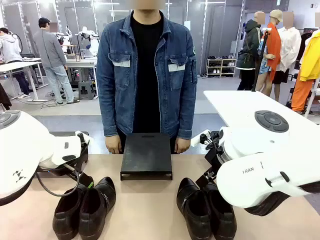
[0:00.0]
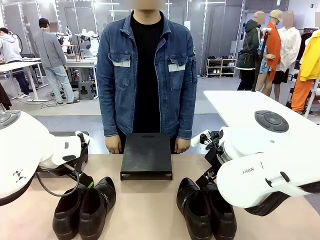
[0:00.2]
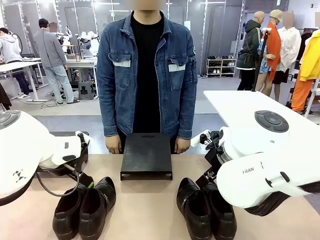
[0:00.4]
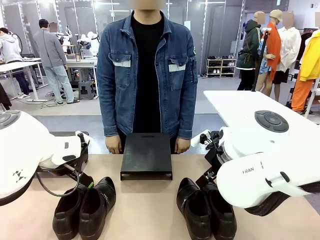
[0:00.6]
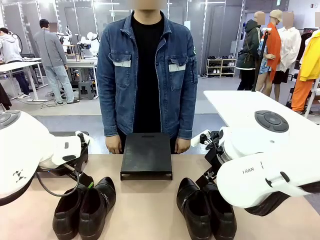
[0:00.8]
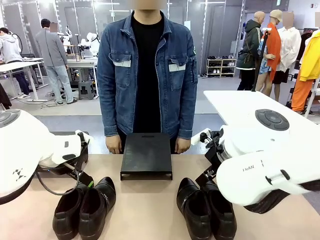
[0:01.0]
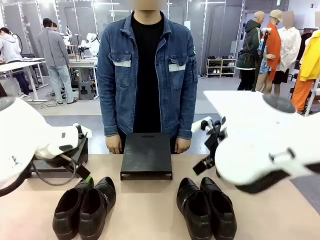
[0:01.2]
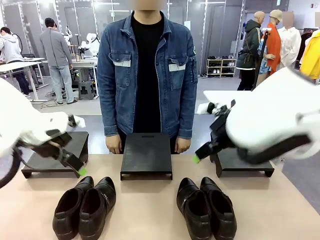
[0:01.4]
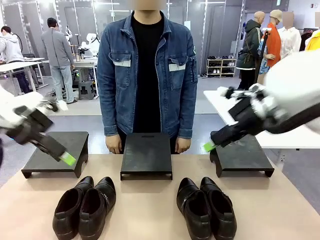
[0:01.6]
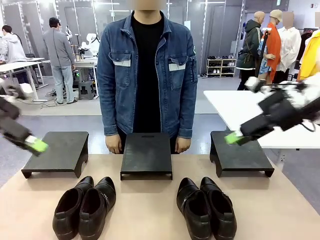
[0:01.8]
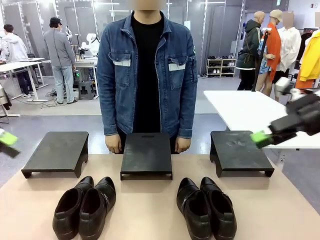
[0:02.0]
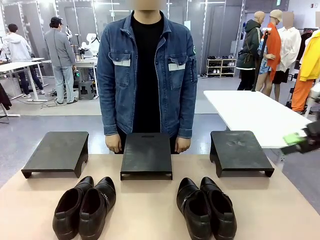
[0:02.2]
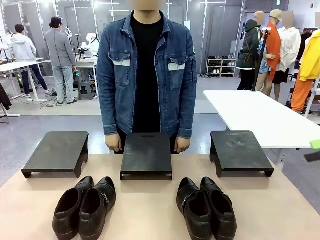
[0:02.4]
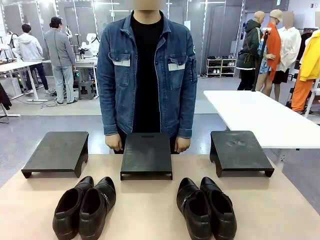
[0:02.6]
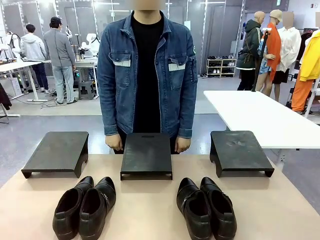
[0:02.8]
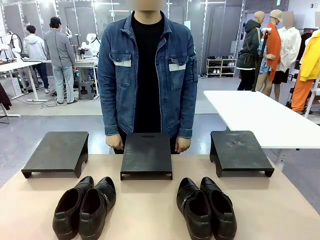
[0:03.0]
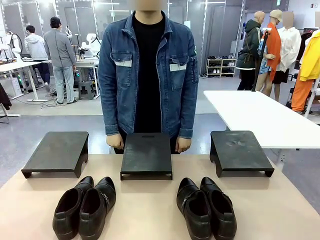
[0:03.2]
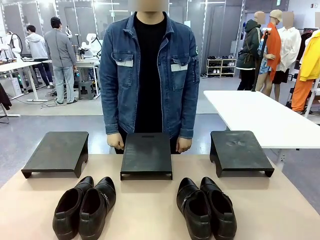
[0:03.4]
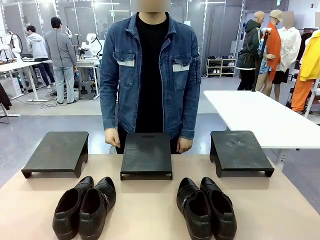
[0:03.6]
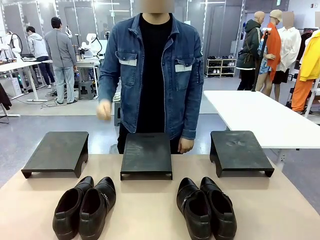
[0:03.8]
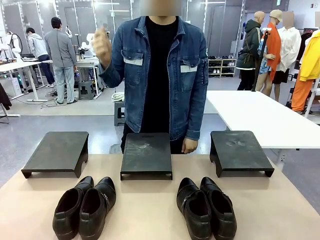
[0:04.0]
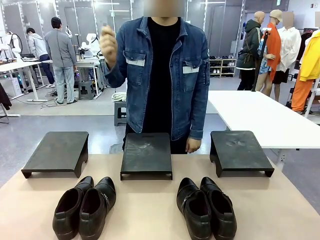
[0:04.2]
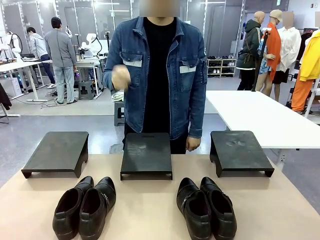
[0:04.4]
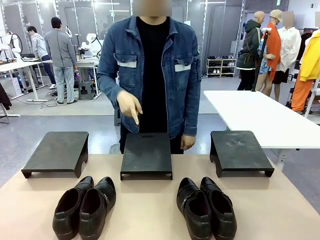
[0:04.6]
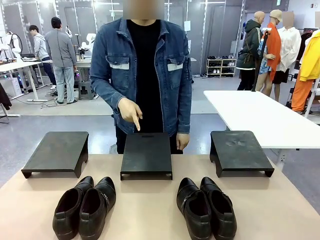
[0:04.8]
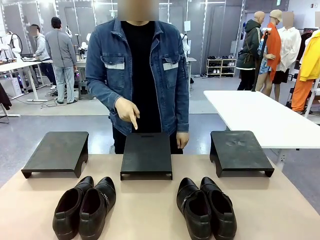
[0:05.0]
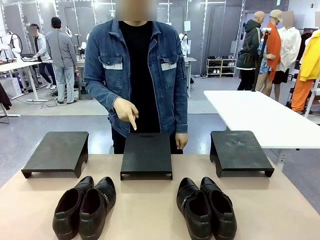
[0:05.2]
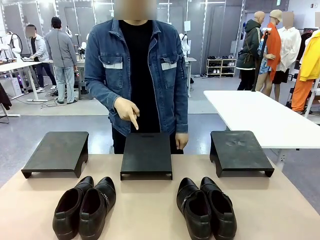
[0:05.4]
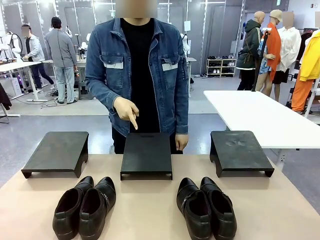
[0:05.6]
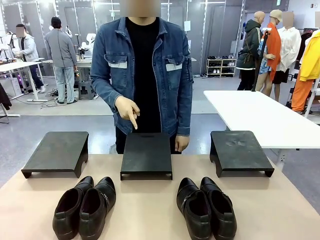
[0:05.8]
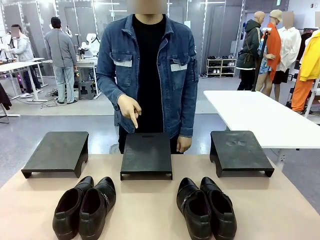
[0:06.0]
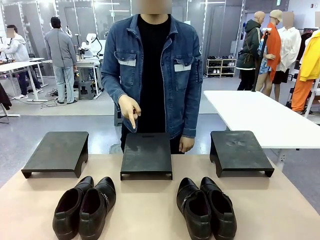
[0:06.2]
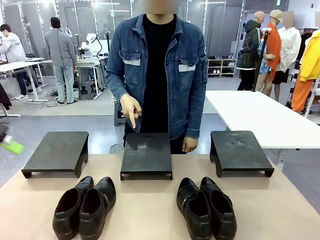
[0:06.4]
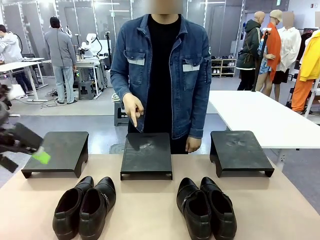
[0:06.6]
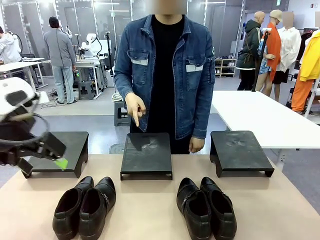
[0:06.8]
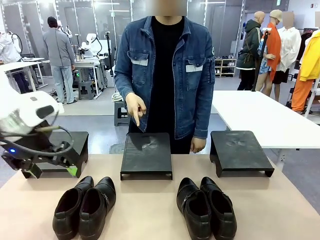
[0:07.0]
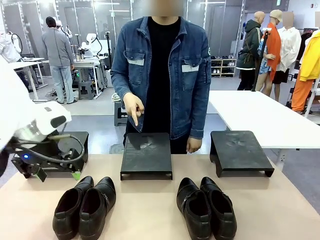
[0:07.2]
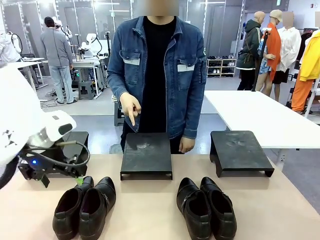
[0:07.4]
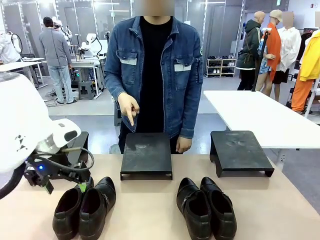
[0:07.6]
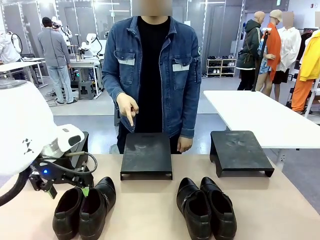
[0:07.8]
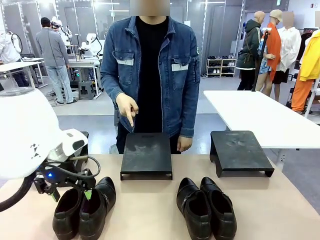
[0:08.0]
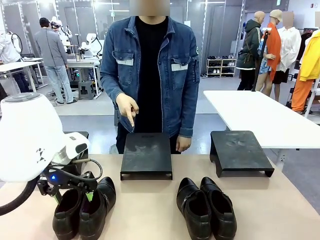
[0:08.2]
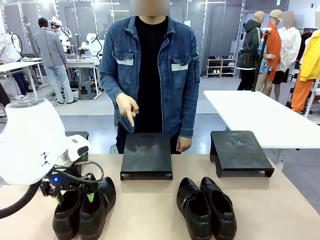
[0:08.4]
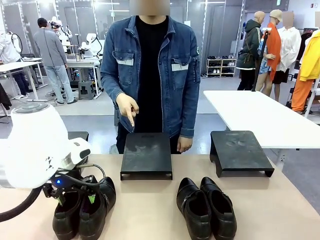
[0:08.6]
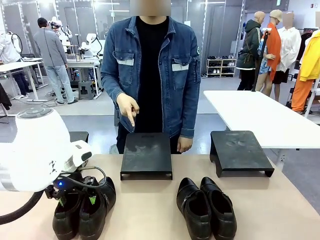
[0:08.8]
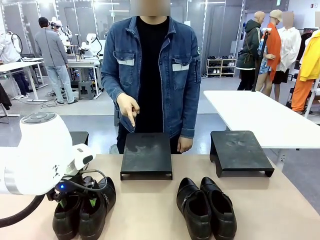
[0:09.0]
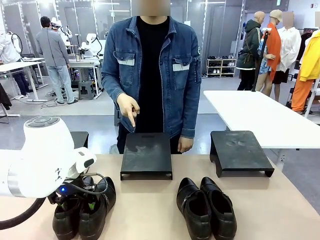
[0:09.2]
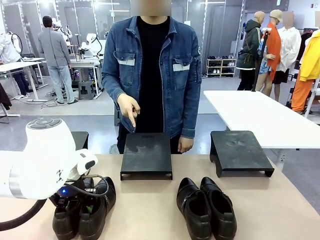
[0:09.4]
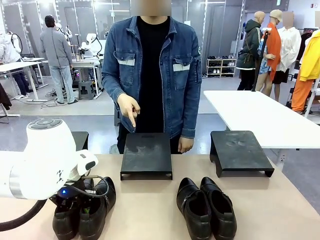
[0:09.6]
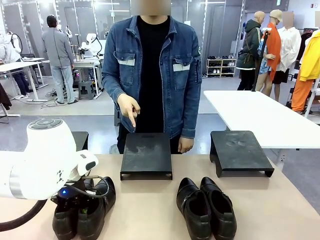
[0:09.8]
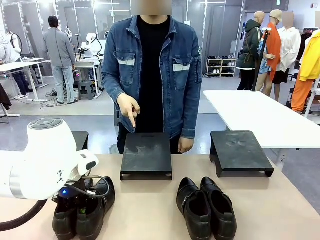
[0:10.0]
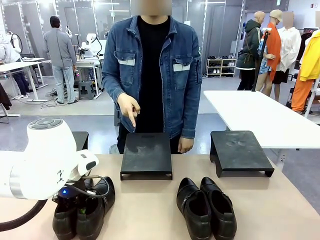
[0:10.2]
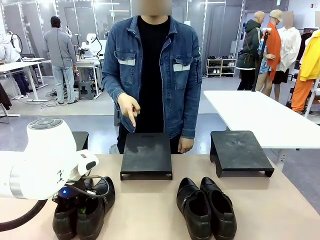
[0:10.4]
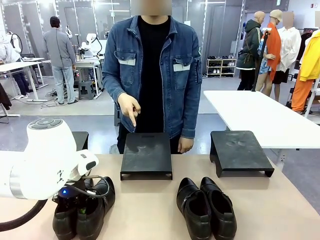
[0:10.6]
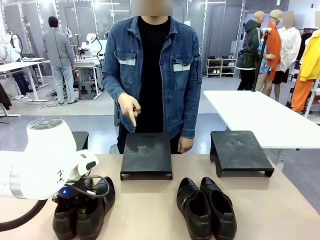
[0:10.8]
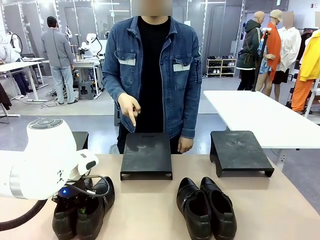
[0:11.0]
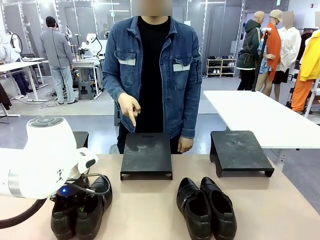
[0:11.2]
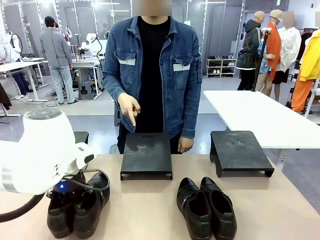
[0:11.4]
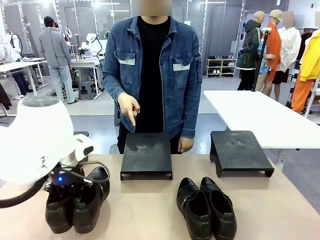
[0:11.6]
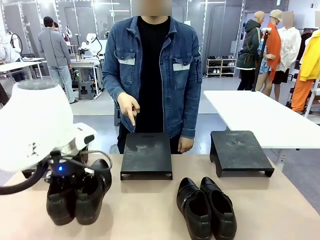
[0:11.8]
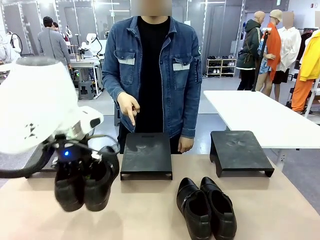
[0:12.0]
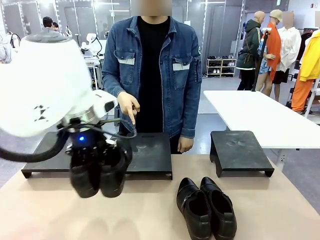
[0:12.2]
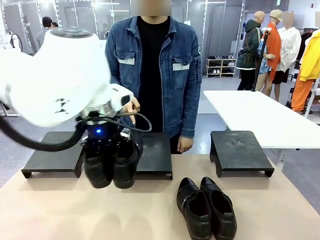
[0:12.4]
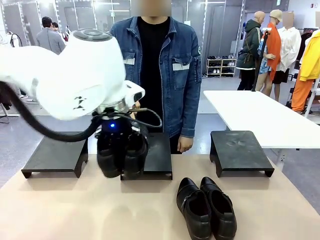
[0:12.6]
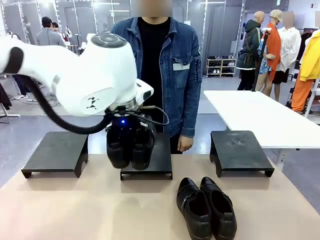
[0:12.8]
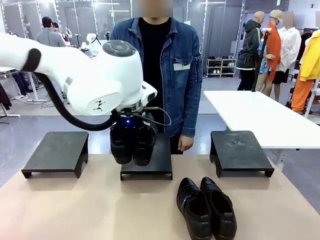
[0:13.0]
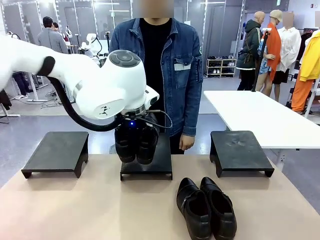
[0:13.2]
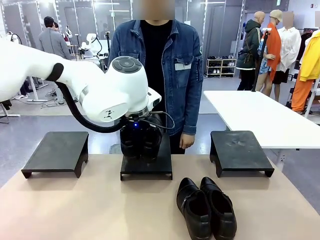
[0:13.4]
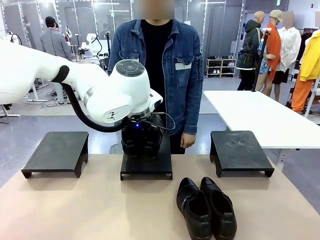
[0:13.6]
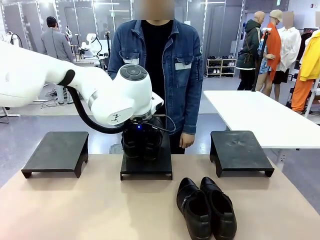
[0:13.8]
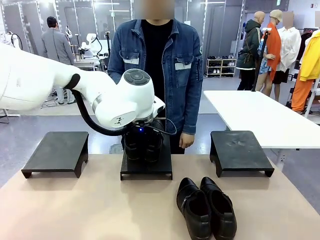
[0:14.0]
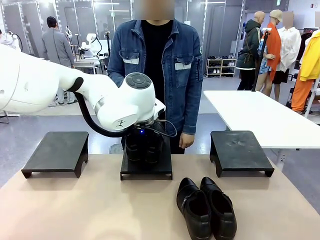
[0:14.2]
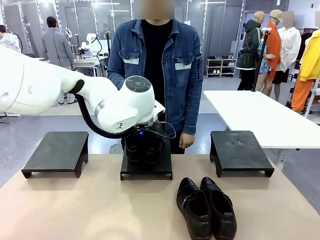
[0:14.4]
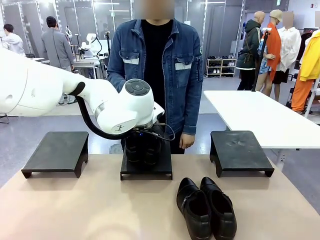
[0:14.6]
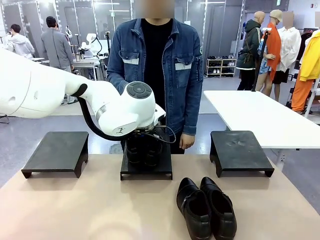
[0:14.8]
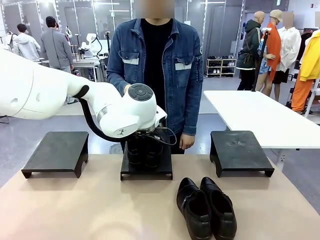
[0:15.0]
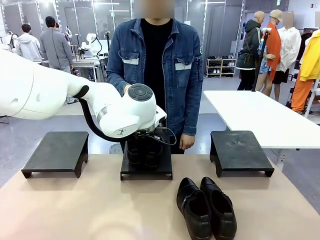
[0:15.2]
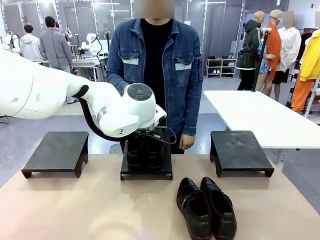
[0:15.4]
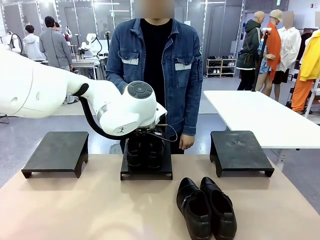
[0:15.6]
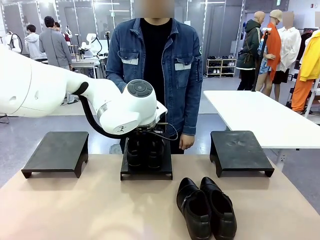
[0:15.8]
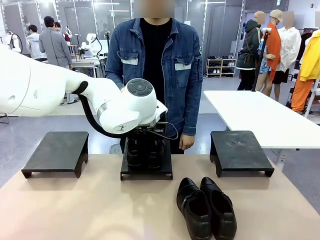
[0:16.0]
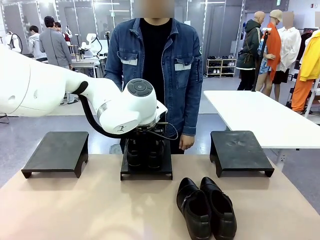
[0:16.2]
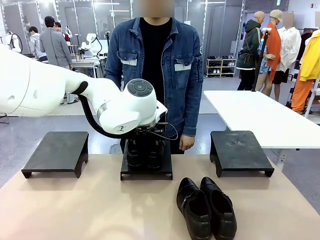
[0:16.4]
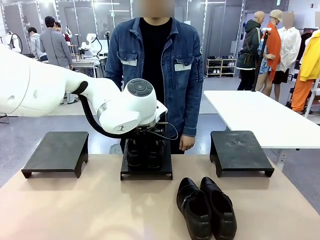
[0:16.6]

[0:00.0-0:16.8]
Task: Place the shoes on the stand as instructed by the person.
Robot: Pick up one pair of Shoes and place it on the Shoes Stand indicated by the person.
